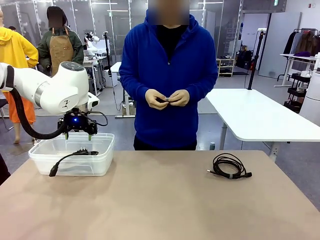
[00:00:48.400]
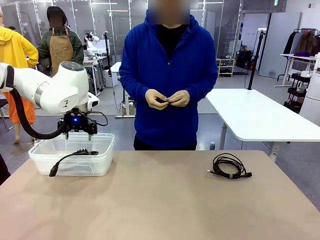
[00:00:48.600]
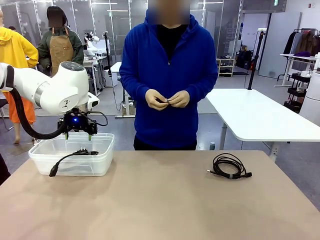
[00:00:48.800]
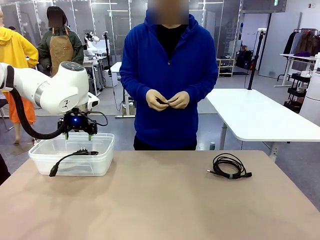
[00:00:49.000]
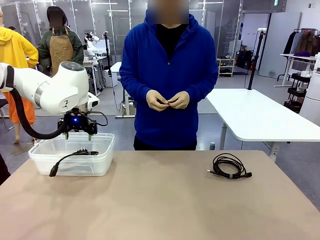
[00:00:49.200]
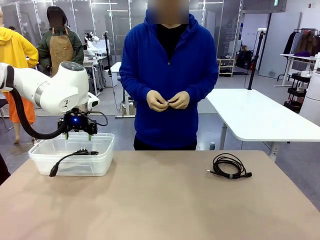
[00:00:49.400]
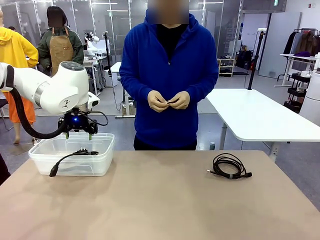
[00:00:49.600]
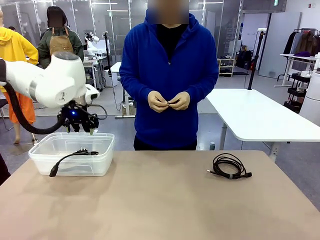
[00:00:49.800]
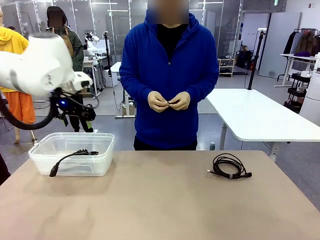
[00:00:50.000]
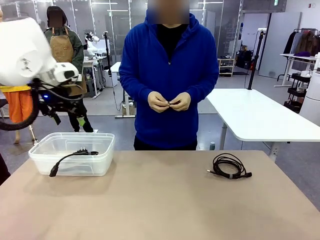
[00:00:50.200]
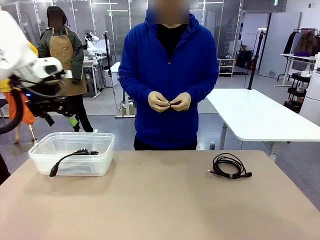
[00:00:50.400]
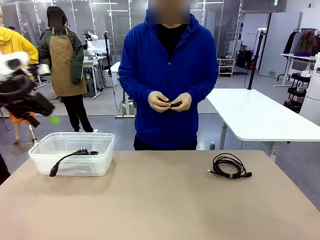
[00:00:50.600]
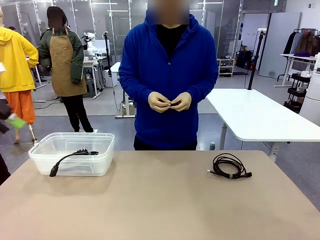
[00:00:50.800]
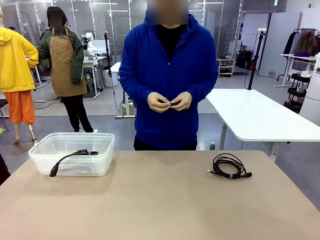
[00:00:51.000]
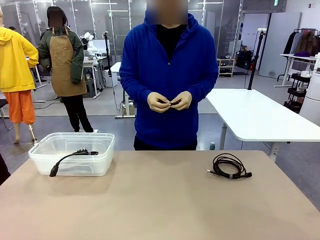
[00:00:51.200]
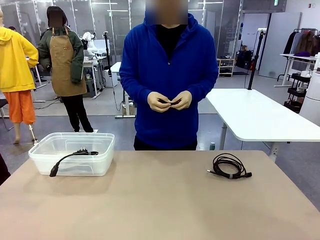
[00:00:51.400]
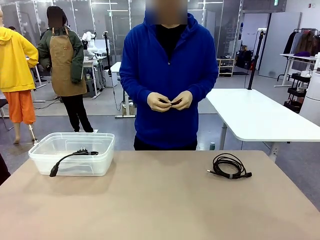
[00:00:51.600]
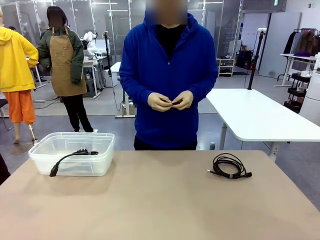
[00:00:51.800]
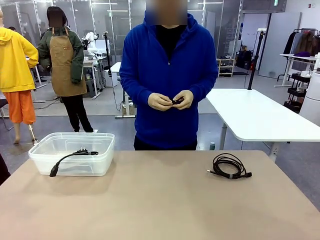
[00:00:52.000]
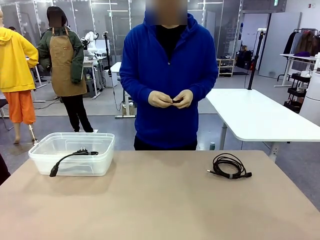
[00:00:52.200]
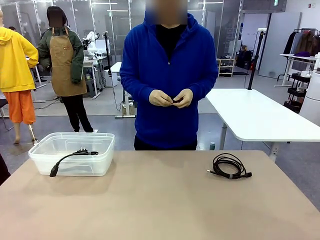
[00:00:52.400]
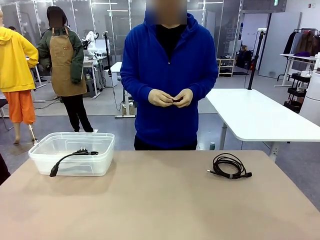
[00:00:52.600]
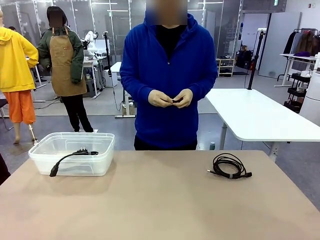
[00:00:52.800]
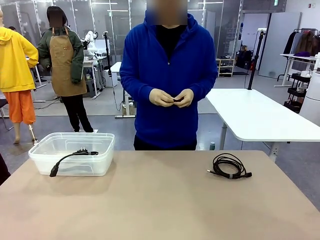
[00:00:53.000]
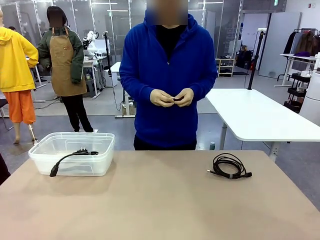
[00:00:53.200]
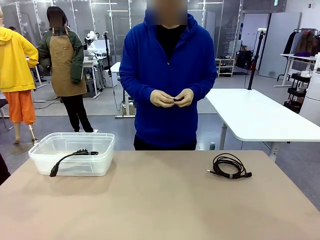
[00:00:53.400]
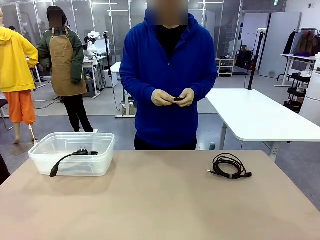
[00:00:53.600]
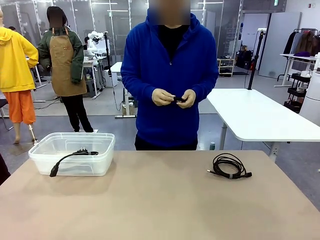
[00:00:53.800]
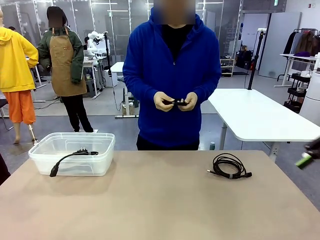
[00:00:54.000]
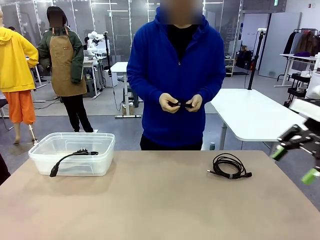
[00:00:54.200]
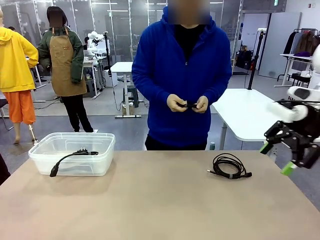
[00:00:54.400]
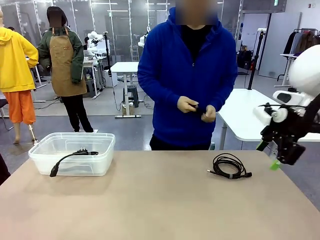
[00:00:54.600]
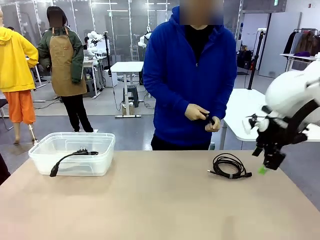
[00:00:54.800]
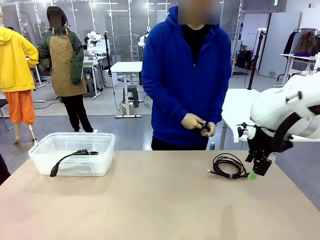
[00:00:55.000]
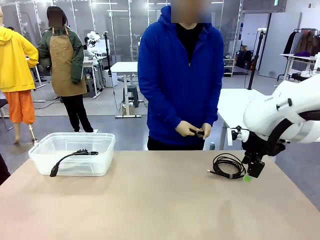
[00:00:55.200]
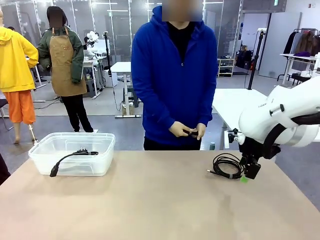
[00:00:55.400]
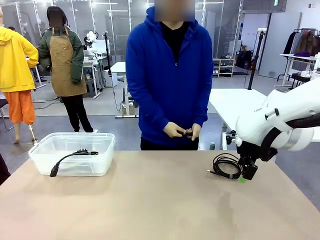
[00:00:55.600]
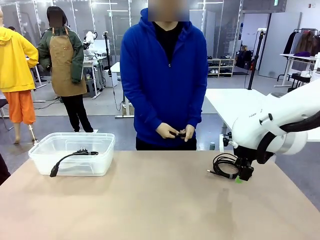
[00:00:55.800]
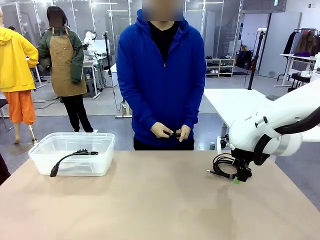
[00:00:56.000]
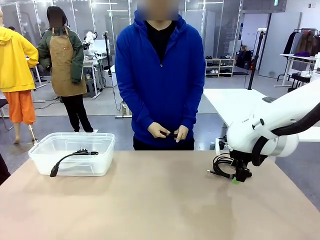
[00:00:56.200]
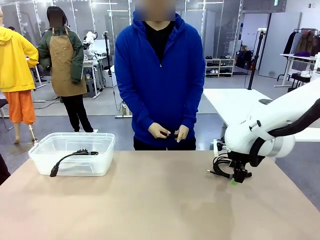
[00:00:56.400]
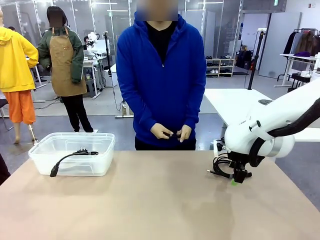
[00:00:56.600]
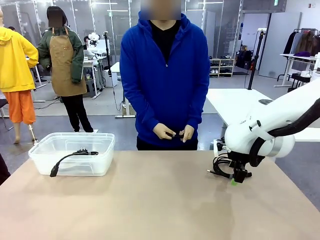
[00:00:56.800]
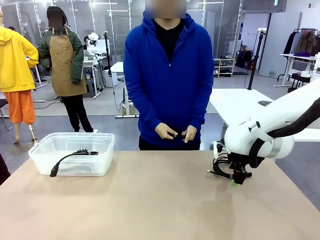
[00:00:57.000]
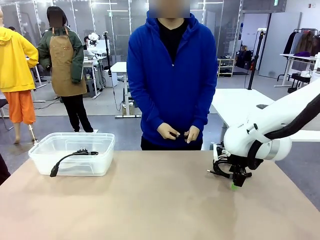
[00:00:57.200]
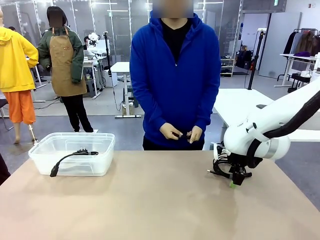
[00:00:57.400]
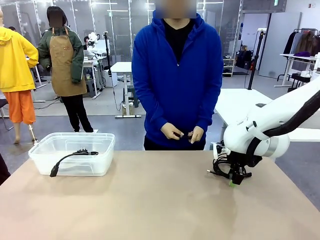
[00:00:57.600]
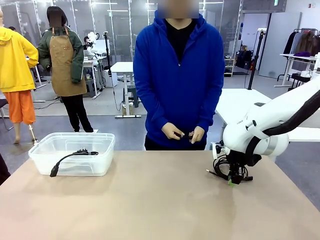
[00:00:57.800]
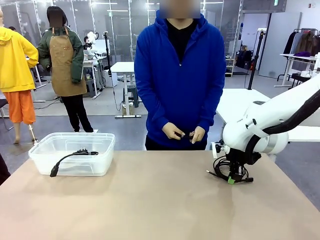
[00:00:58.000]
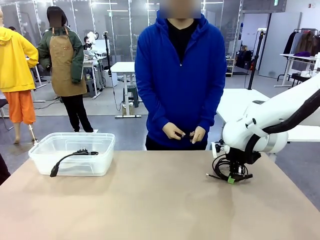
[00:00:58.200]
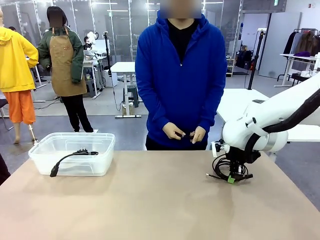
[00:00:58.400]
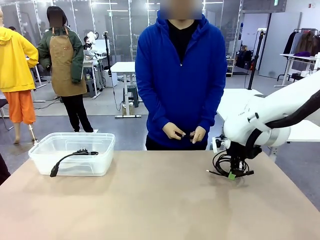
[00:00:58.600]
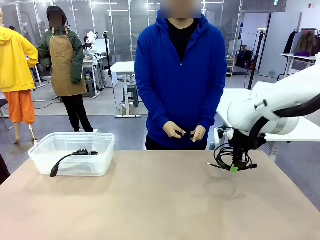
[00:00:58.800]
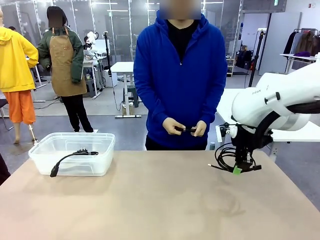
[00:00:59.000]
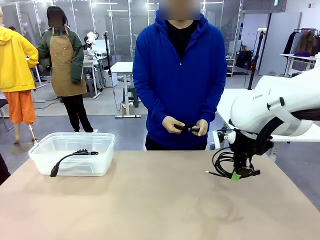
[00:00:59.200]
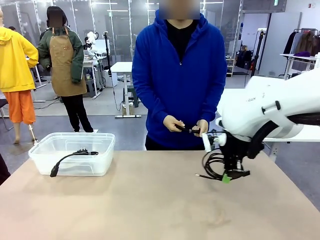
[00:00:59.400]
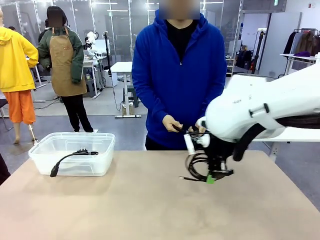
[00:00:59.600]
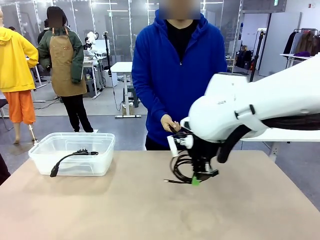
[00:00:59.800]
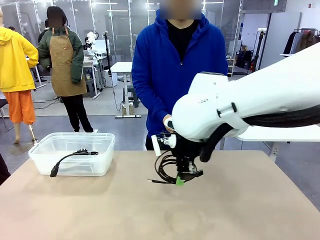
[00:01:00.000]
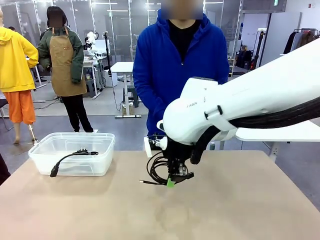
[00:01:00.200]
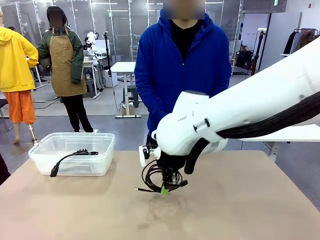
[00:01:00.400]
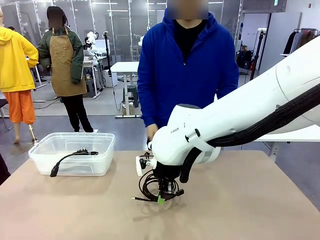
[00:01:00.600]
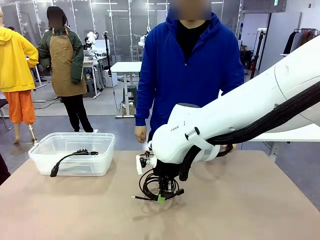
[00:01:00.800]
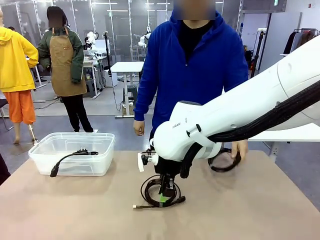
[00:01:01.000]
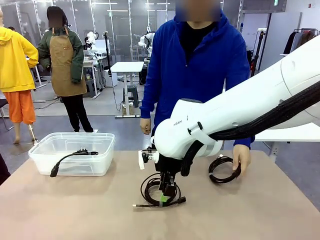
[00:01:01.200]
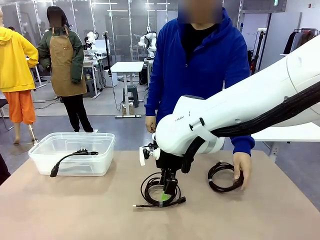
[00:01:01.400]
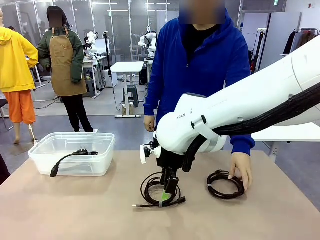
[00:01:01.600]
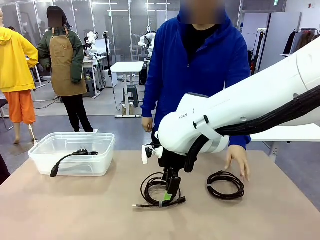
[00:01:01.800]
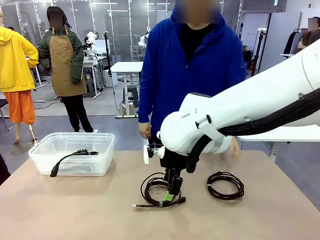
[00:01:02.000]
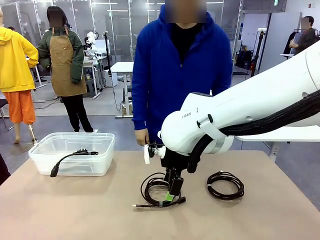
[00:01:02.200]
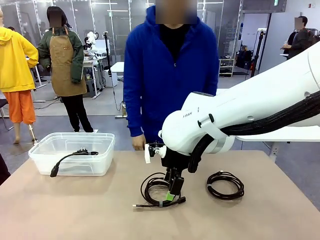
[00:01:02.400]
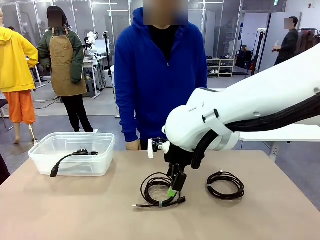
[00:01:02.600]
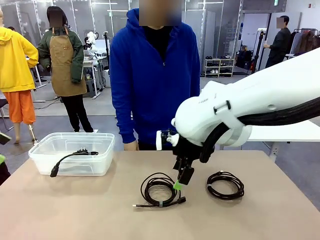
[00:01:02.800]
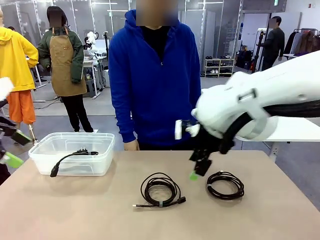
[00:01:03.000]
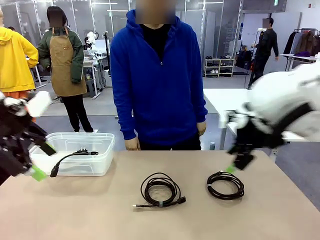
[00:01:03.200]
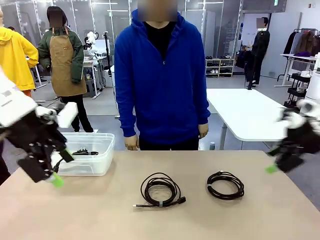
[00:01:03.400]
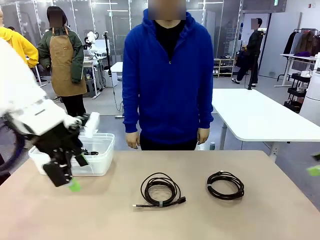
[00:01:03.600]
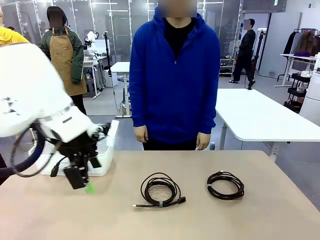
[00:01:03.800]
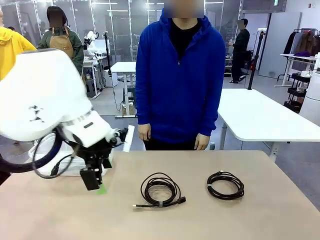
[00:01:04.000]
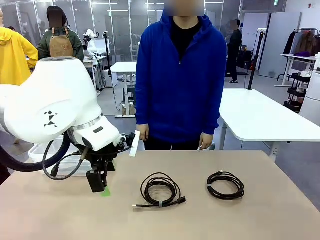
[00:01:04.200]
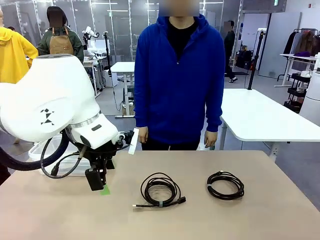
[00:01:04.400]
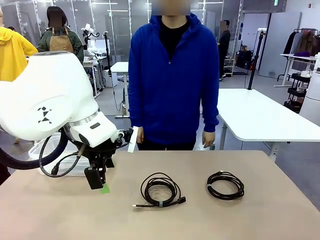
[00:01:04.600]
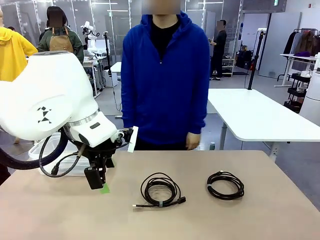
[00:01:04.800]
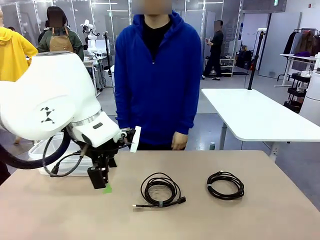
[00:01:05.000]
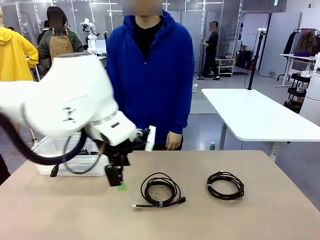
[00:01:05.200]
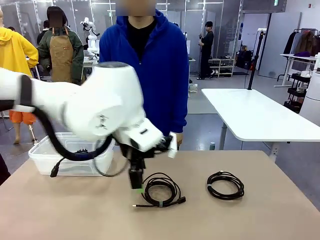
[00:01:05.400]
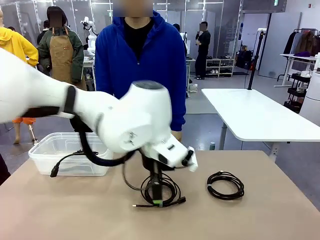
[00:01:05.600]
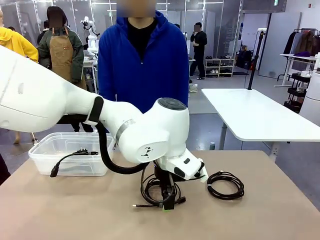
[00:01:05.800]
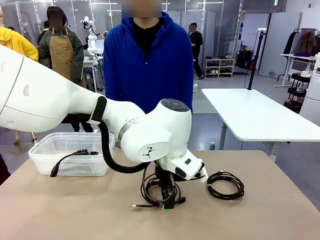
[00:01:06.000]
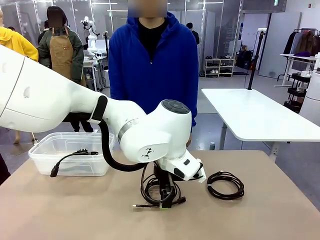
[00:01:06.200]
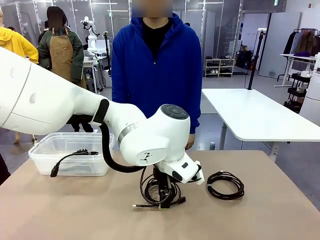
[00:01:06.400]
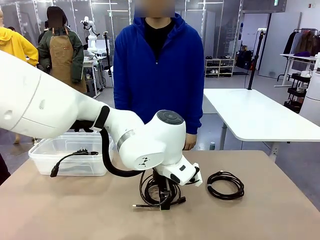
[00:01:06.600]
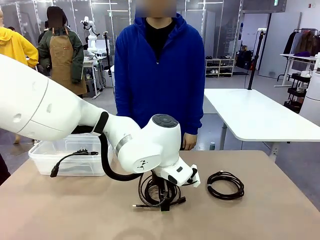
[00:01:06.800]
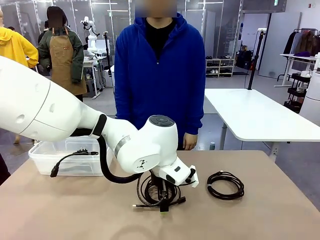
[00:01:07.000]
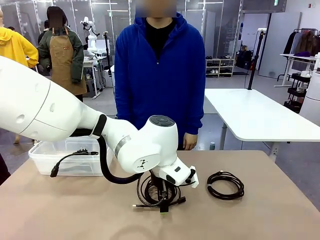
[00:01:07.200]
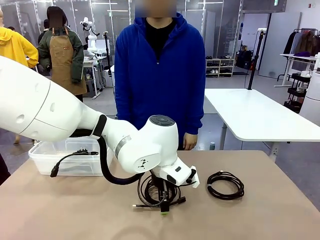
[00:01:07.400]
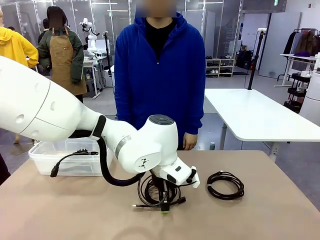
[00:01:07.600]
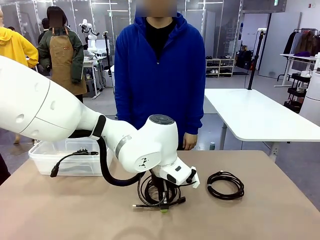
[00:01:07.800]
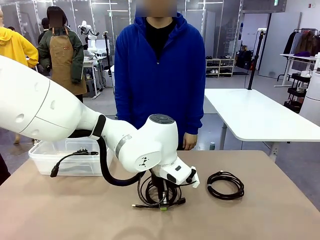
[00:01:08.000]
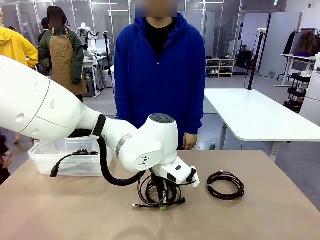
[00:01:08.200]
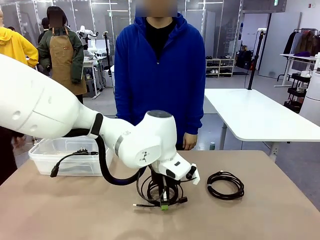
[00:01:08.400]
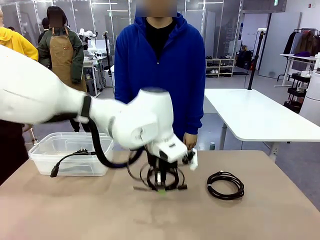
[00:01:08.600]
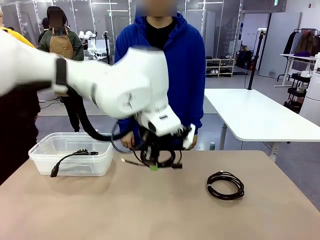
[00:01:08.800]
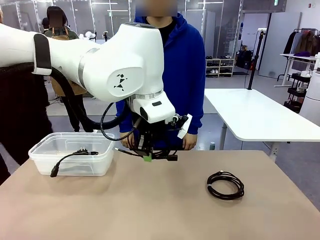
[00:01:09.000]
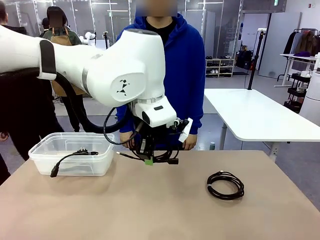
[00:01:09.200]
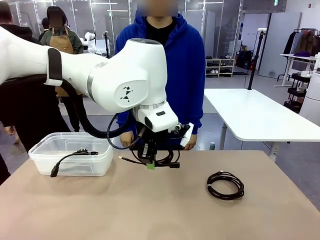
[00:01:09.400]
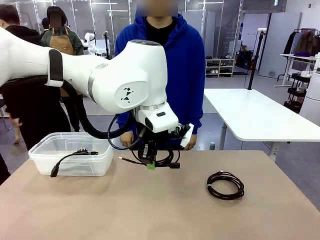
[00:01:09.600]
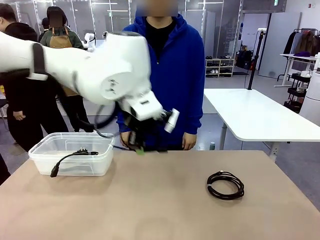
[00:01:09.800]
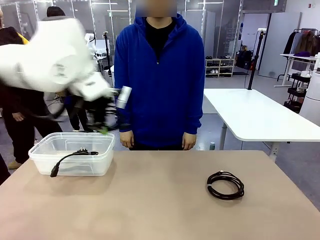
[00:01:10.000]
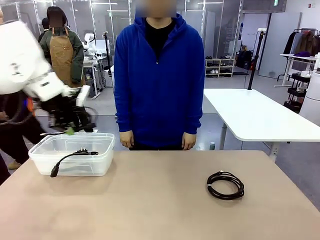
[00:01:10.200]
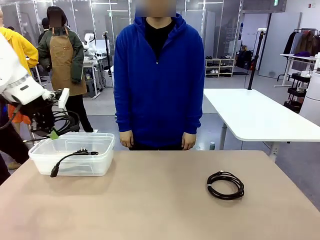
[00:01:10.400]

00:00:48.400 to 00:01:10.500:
Task: Organize and store the cables.
Robot: Place the USB Extension Cable into the Organizing box.
